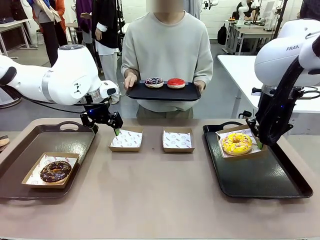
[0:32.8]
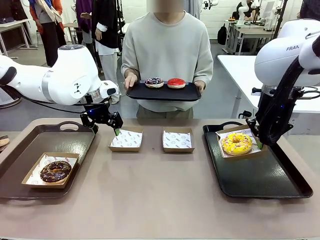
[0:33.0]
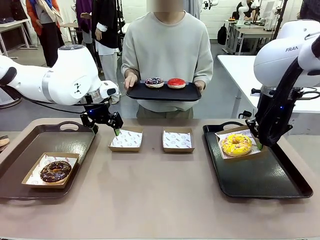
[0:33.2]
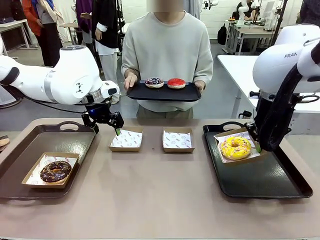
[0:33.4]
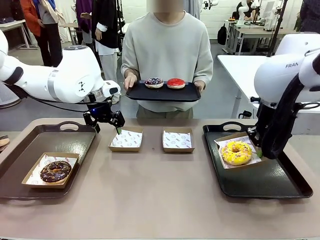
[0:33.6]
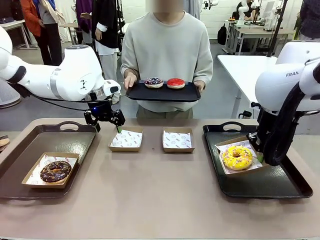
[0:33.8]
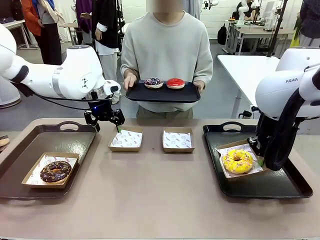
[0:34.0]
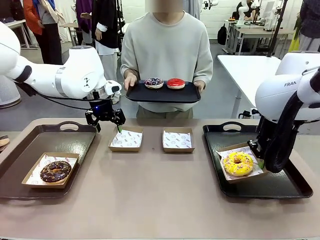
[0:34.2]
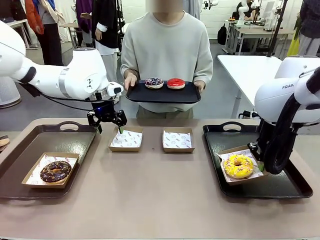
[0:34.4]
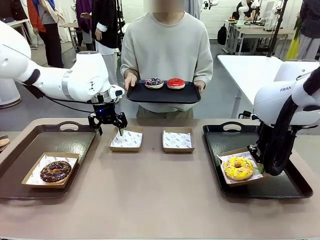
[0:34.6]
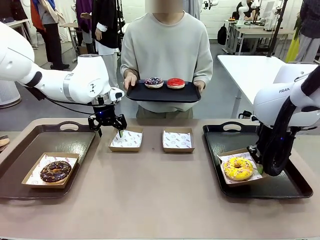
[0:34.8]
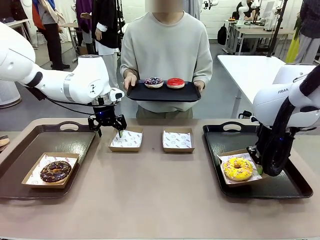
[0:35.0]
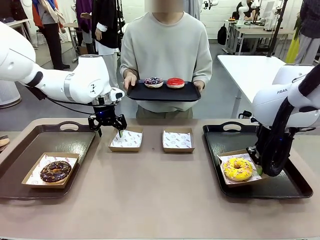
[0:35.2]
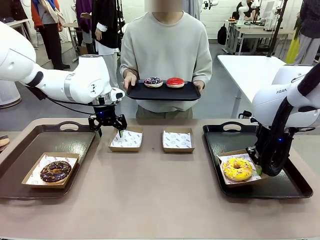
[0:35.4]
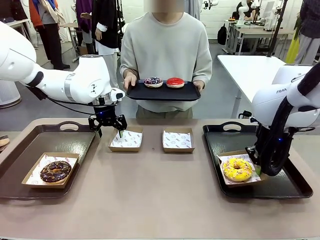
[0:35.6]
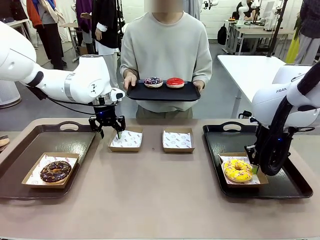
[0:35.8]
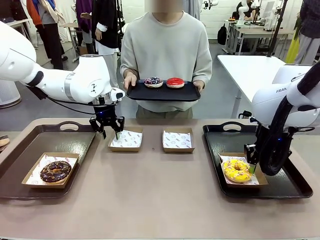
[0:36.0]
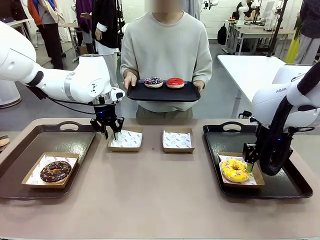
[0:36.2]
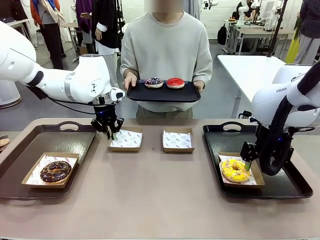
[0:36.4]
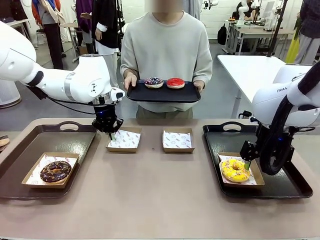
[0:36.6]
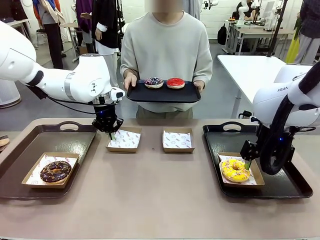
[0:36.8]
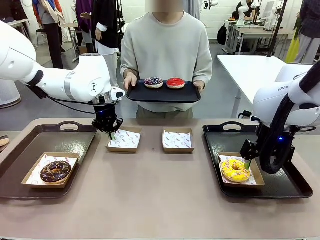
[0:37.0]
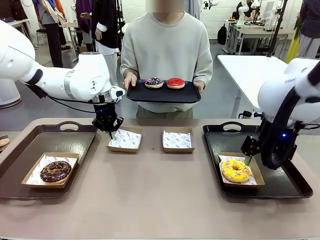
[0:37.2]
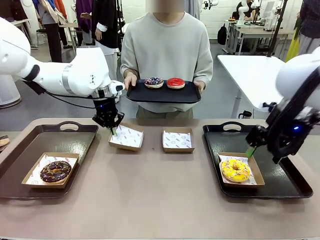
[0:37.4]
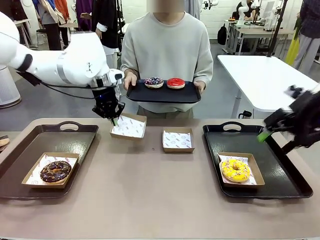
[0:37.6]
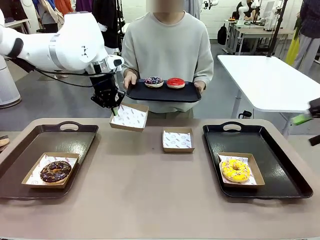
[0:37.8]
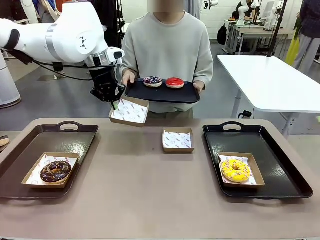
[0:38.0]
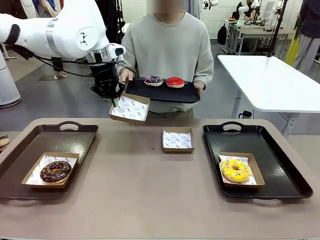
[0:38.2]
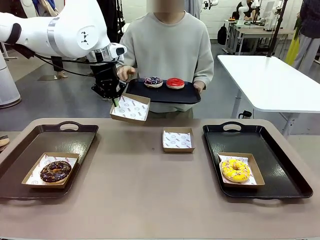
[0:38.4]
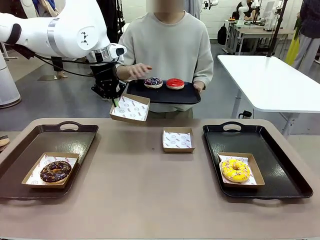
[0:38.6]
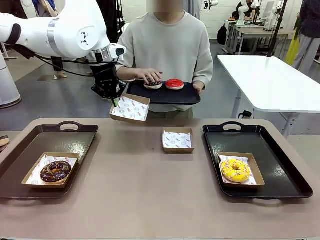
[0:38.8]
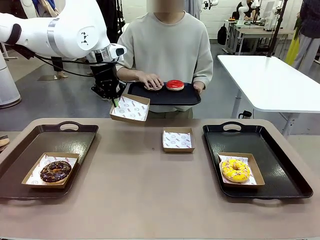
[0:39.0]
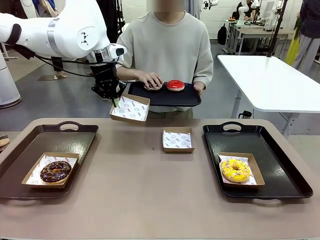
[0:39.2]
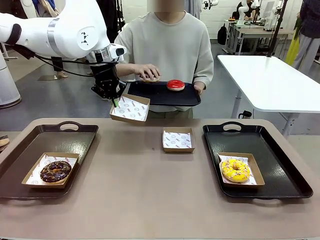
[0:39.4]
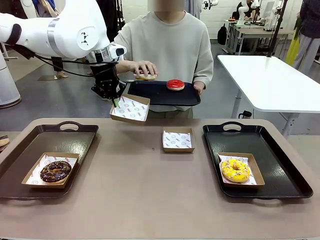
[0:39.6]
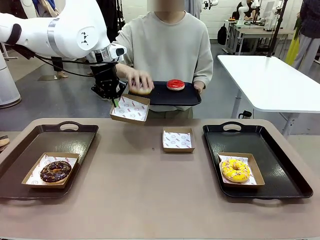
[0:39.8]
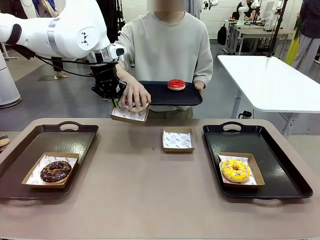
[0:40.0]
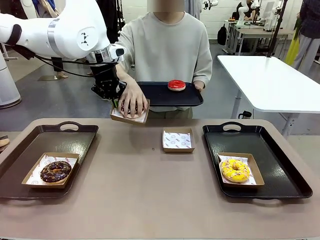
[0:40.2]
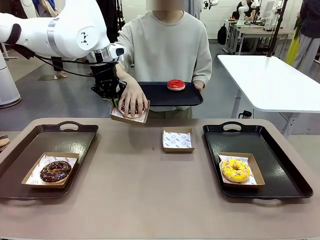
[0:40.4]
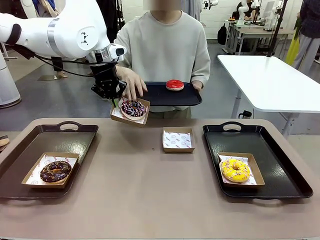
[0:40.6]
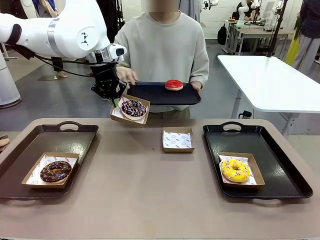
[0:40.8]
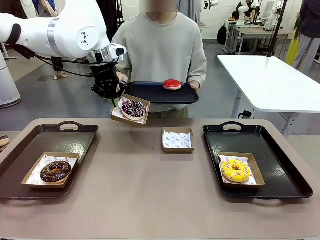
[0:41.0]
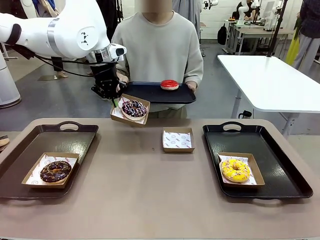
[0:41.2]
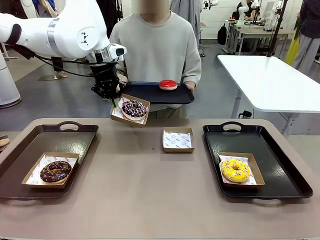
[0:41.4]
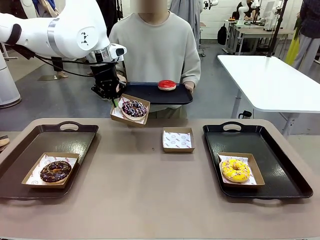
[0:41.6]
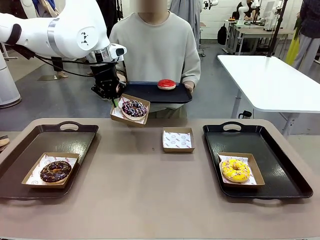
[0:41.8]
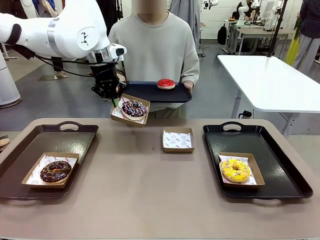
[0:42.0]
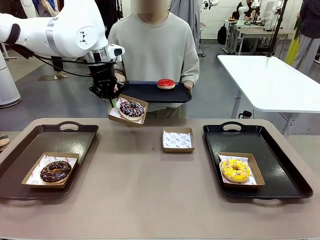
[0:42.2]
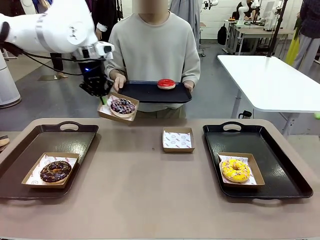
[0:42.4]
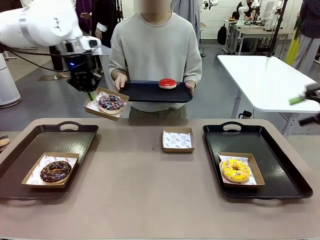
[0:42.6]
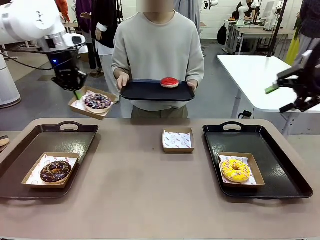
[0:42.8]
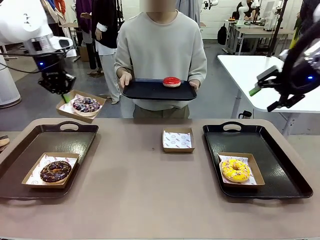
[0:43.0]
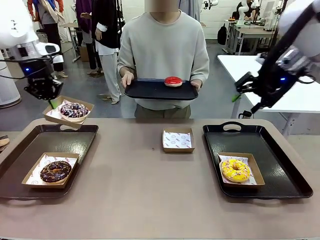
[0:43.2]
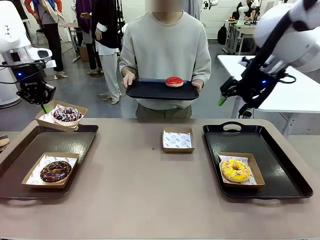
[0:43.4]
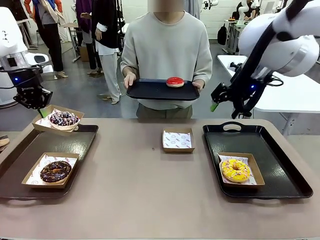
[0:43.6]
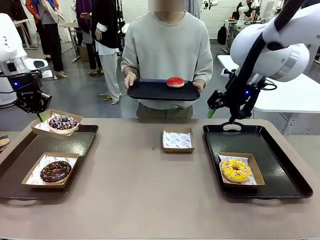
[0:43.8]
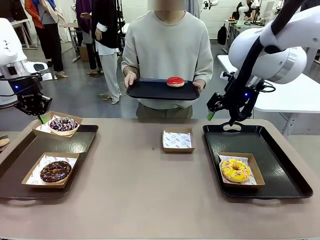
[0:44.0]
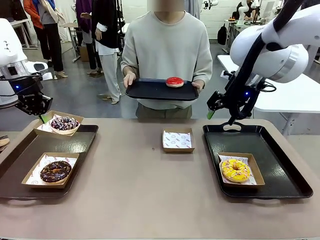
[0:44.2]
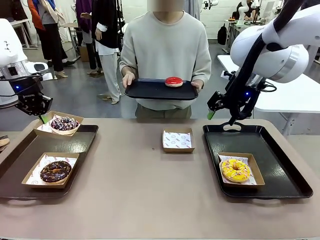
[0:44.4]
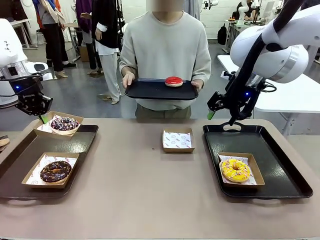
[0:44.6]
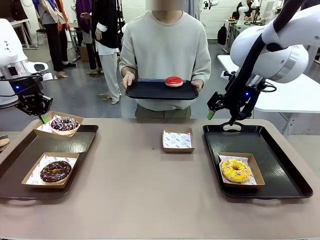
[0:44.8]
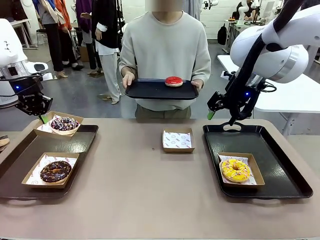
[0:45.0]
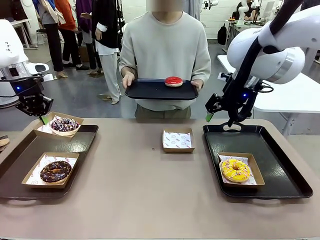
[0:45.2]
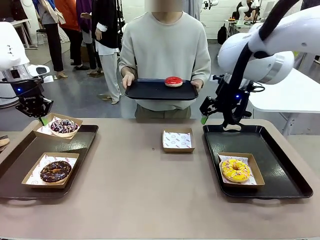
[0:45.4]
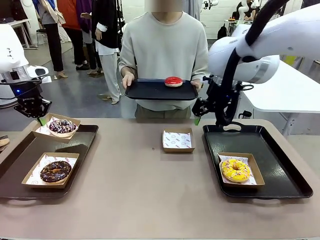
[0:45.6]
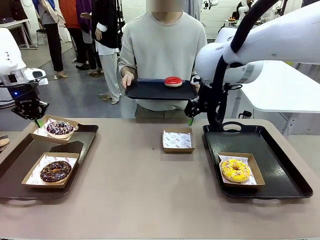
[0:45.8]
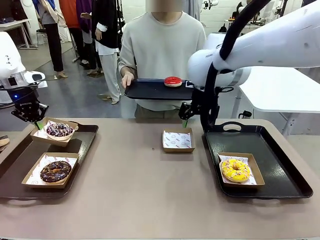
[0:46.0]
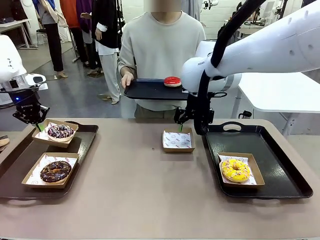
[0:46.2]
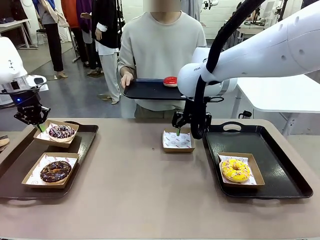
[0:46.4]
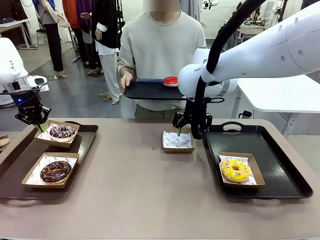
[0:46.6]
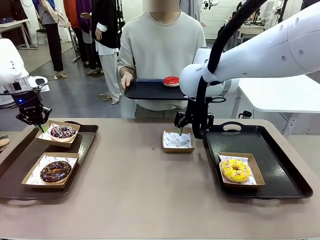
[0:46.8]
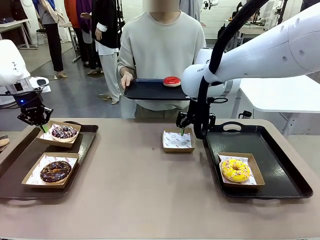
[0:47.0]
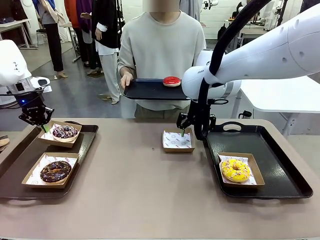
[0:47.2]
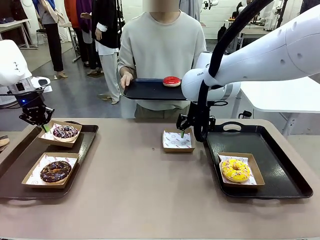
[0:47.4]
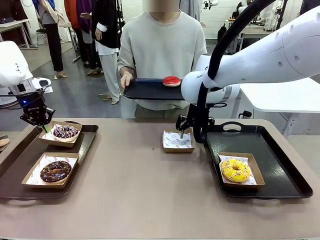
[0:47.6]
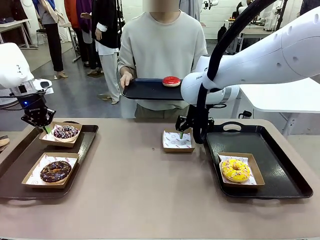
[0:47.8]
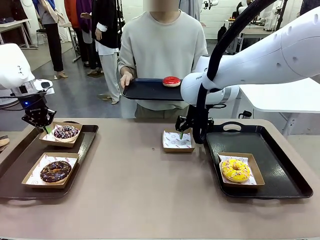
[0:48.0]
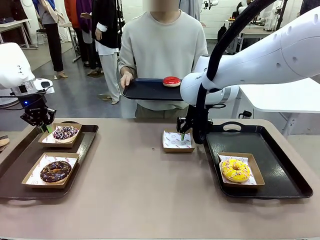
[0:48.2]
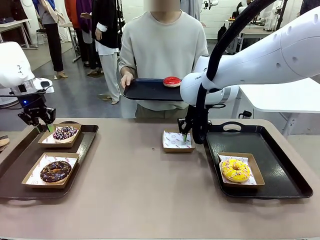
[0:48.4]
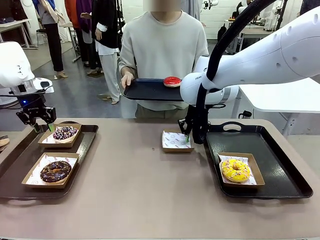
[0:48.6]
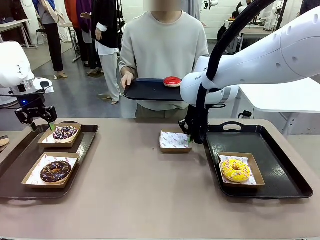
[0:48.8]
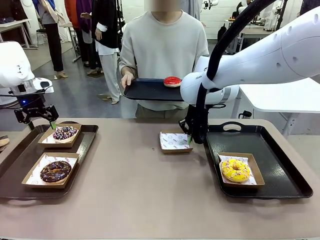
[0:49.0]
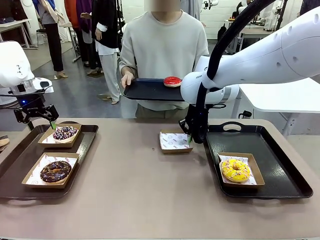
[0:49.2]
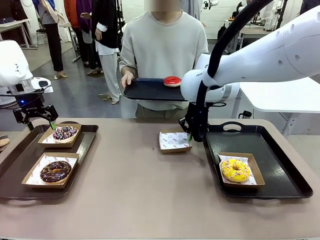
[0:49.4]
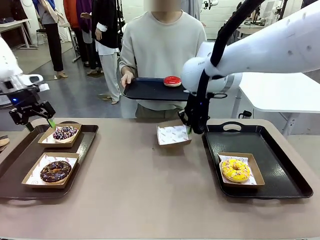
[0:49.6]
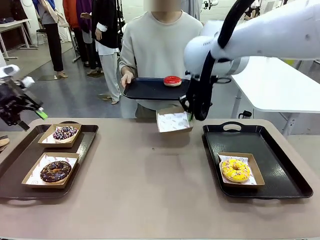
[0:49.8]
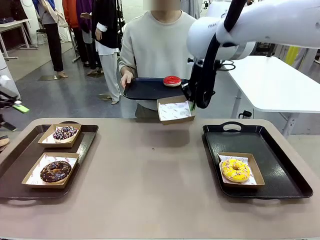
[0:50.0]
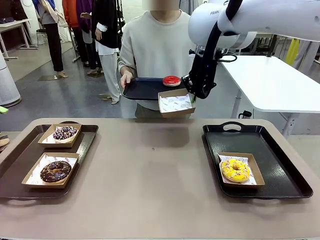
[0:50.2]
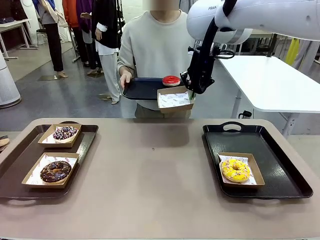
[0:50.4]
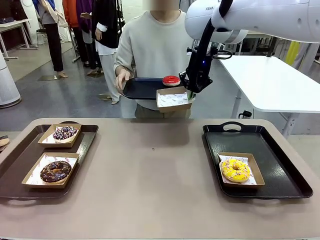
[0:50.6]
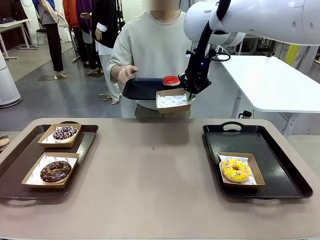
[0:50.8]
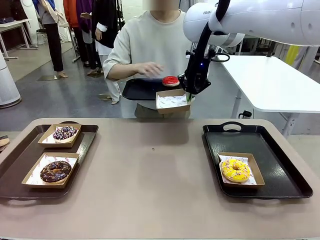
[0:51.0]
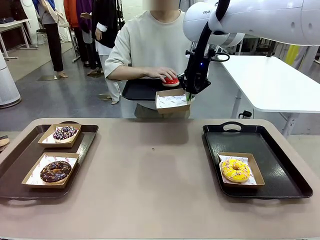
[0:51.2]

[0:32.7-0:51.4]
Task: Individually package the donuts and arrange them on the tray.
Robot: Place the picked Paper togo box on the Handle tray while simultaneously picking up another Paper togo box from the table with the other hand.
